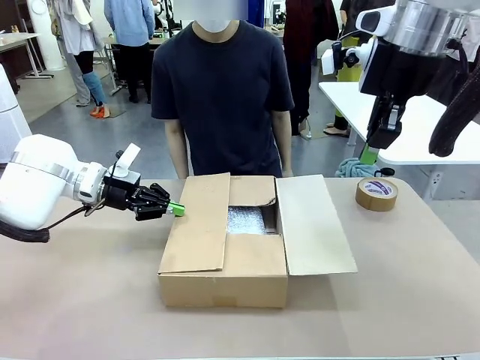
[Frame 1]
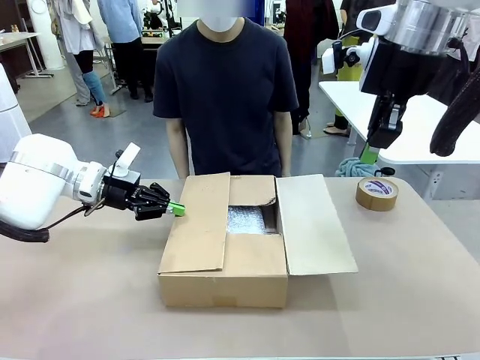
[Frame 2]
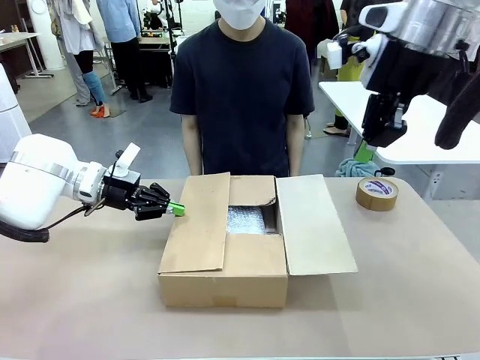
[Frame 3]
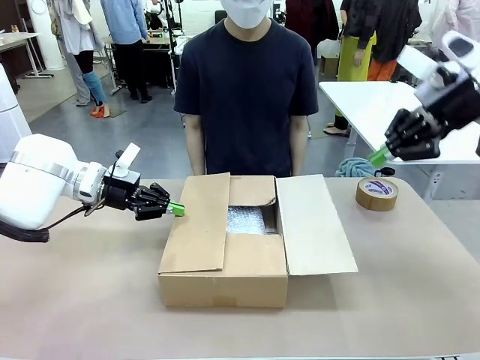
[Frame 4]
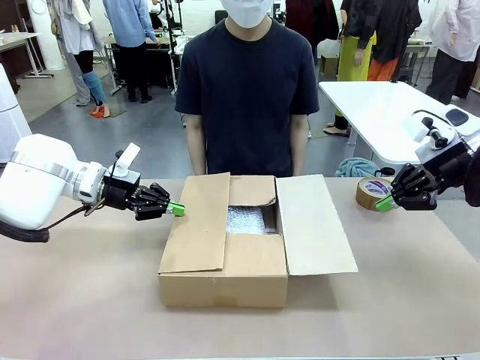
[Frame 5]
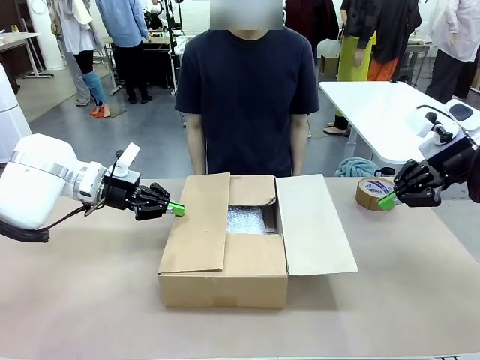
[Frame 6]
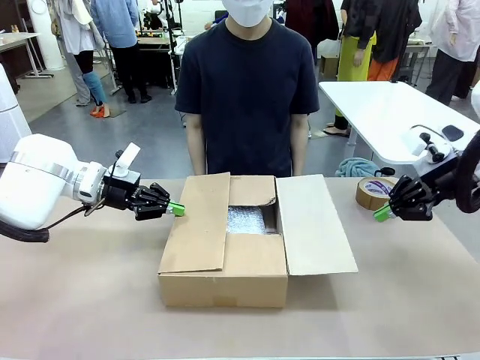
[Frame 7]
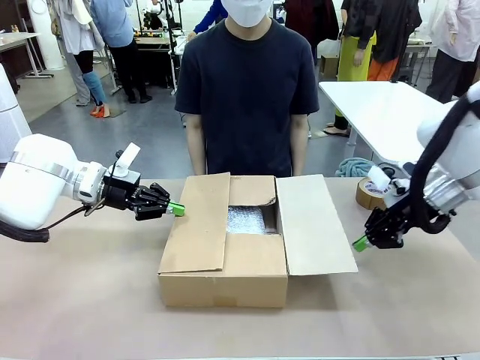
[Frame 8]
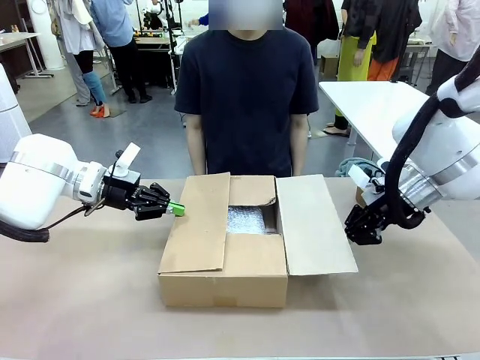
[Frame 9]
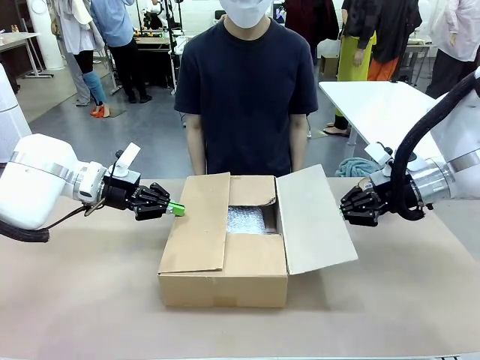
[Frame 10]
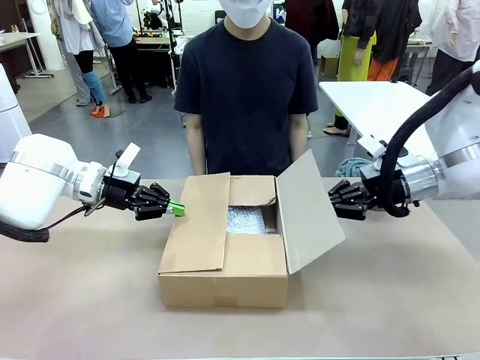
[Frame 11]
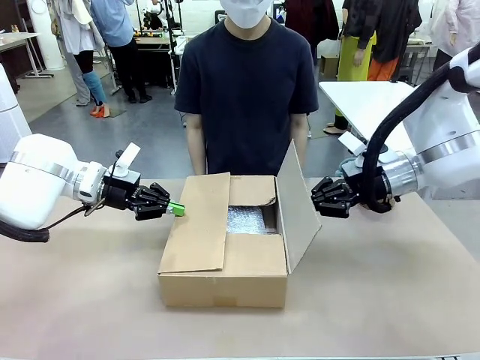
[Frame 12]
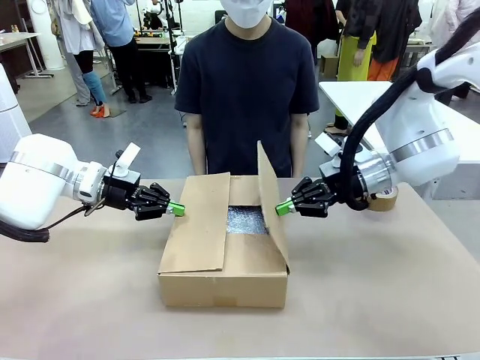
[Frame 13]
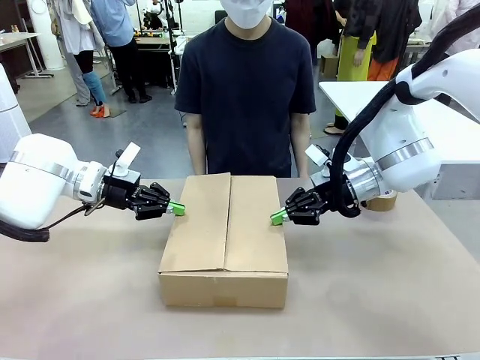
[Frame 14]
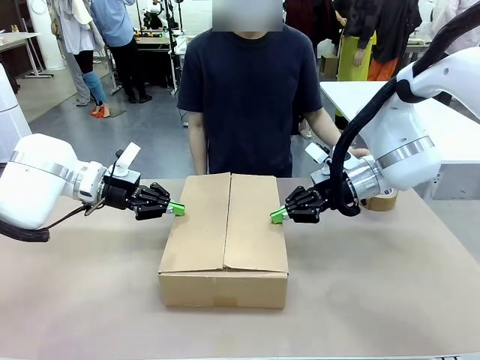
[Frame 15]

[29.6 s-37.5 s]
Task: Wrap the clocks to prevent damage.
Robot: Push the left (or right) flap of the Package Box to close it.

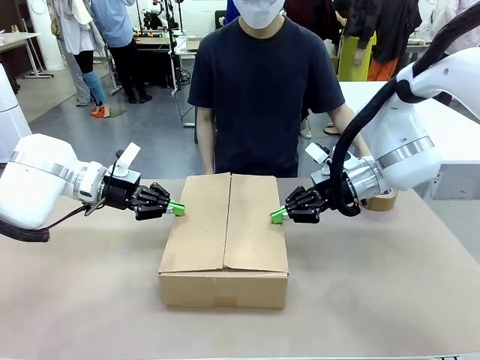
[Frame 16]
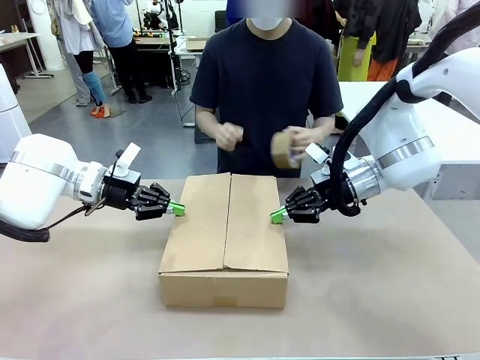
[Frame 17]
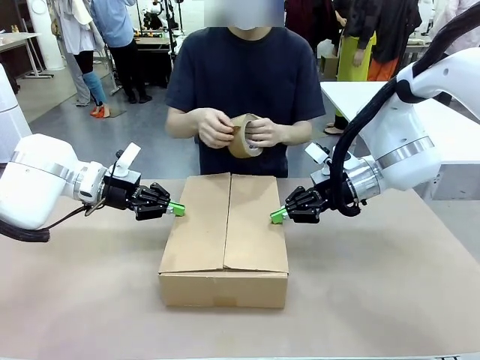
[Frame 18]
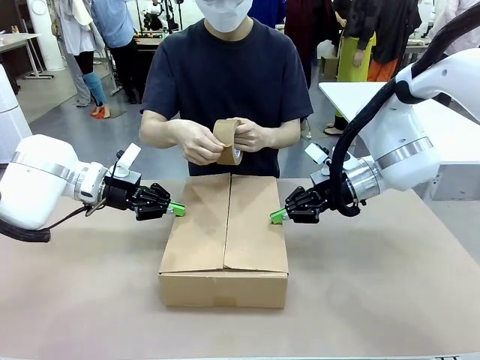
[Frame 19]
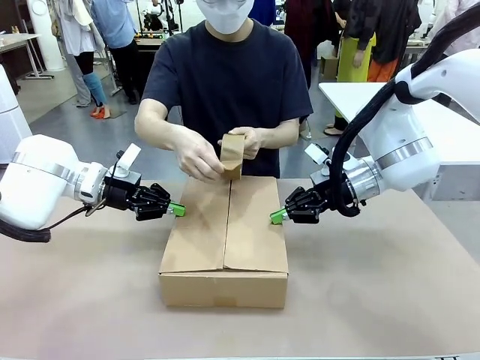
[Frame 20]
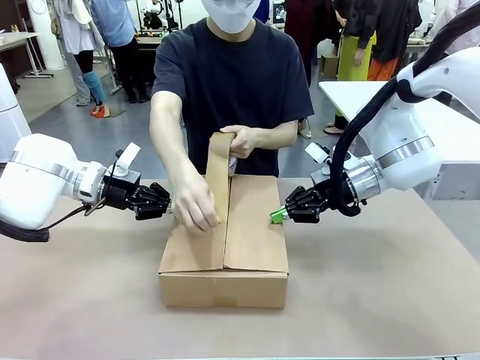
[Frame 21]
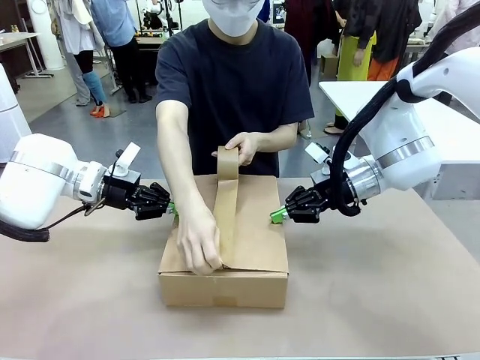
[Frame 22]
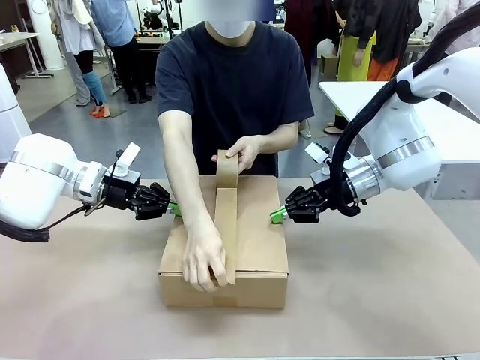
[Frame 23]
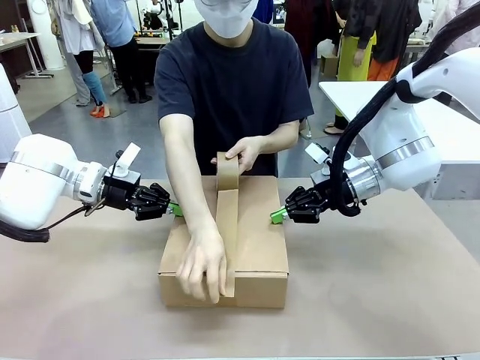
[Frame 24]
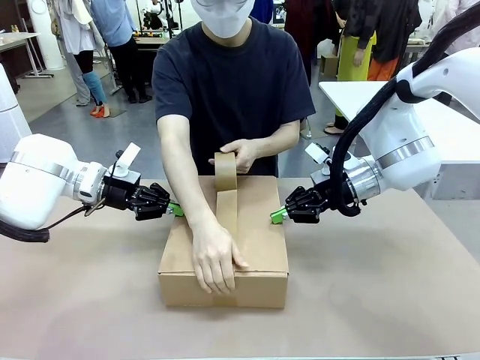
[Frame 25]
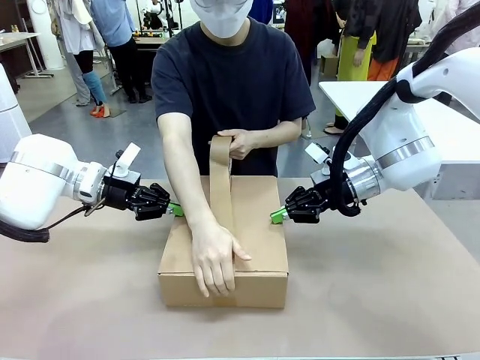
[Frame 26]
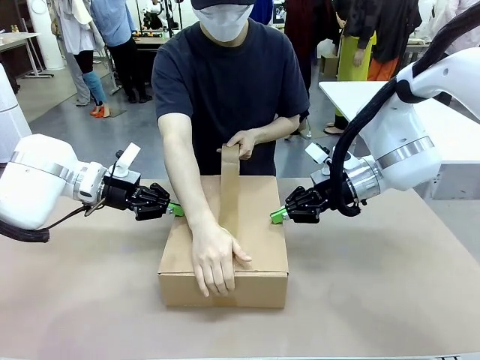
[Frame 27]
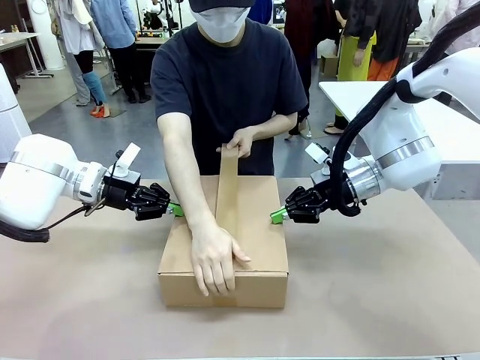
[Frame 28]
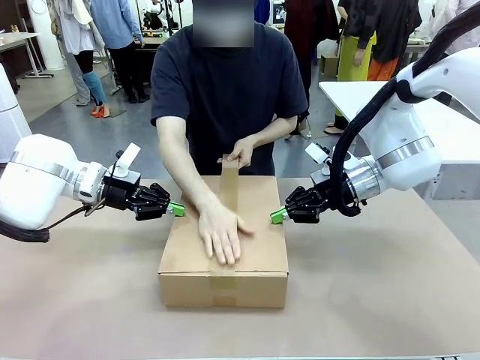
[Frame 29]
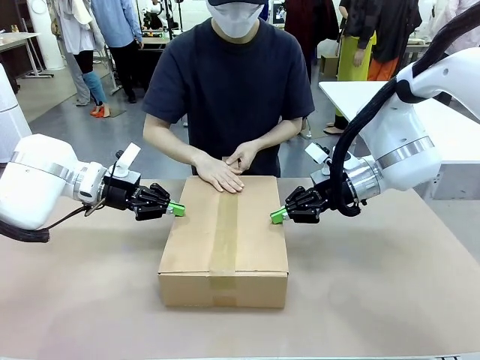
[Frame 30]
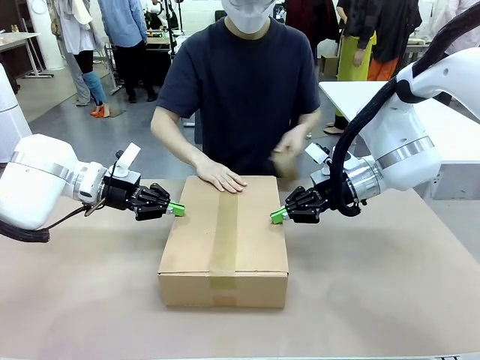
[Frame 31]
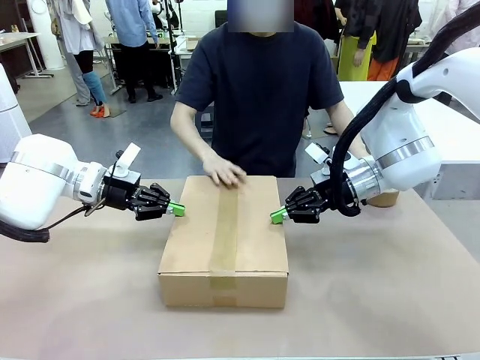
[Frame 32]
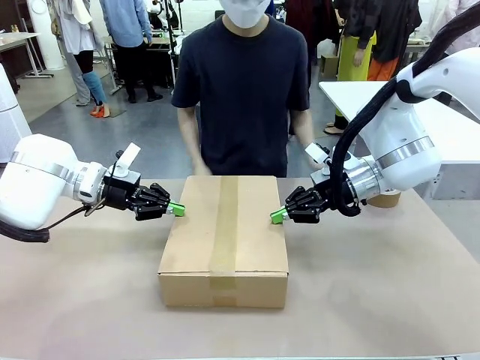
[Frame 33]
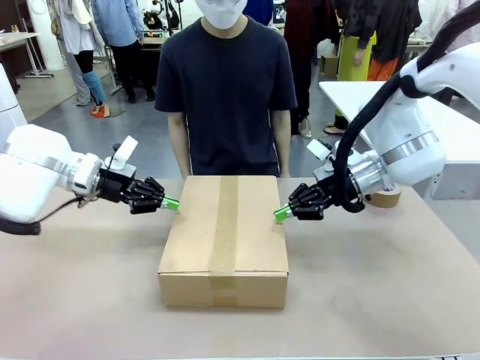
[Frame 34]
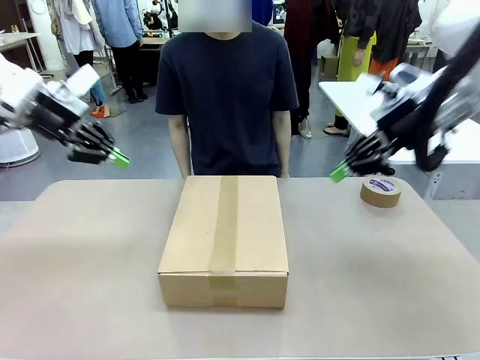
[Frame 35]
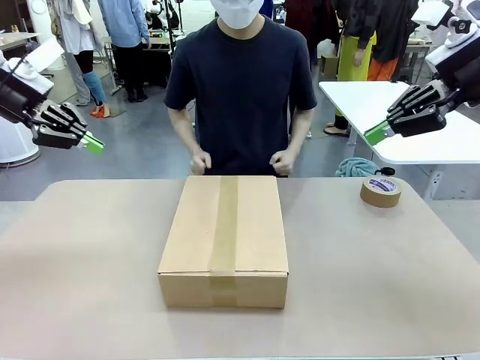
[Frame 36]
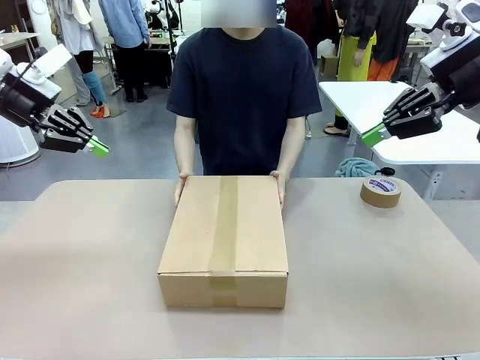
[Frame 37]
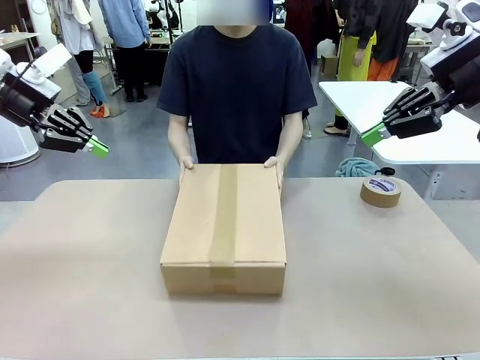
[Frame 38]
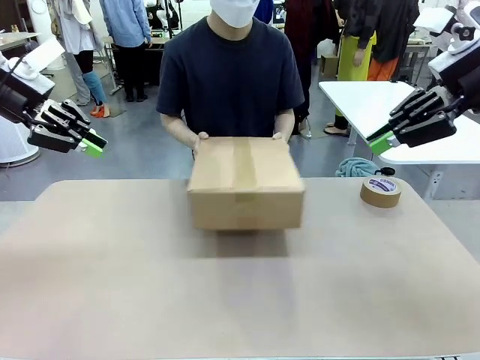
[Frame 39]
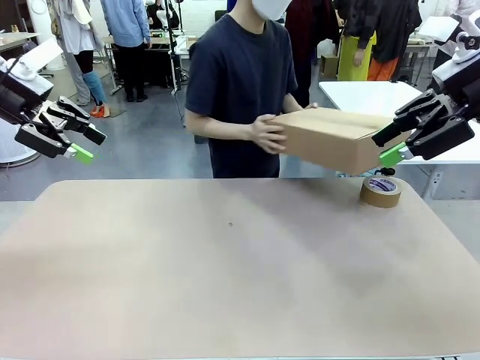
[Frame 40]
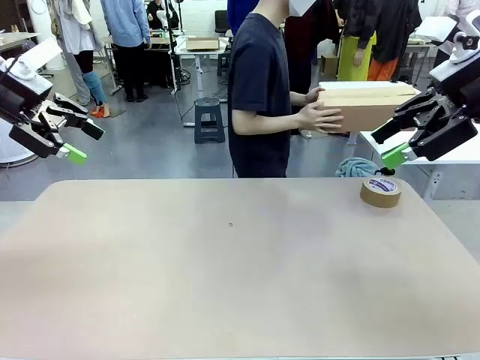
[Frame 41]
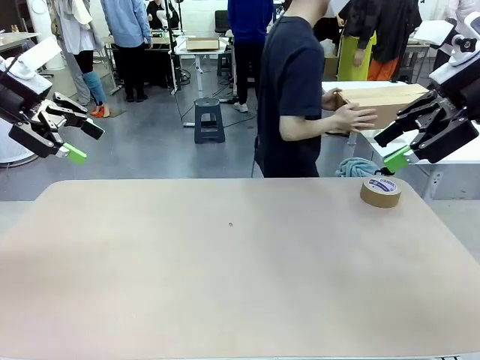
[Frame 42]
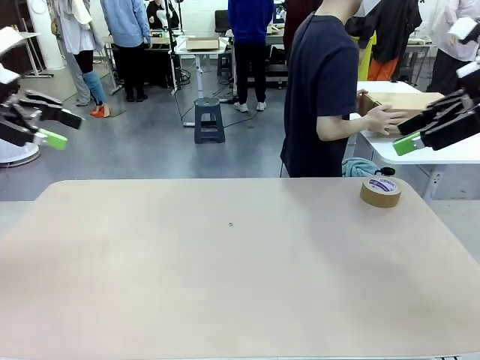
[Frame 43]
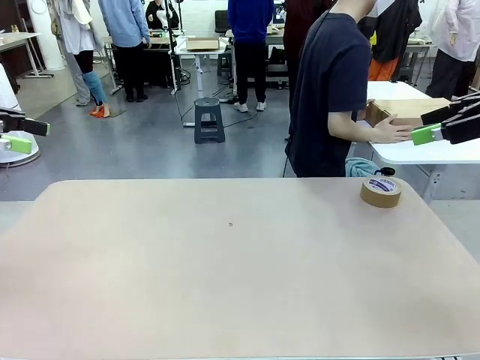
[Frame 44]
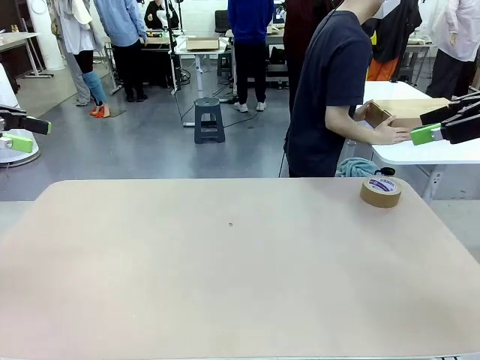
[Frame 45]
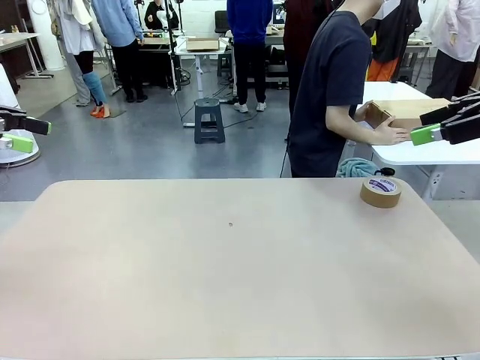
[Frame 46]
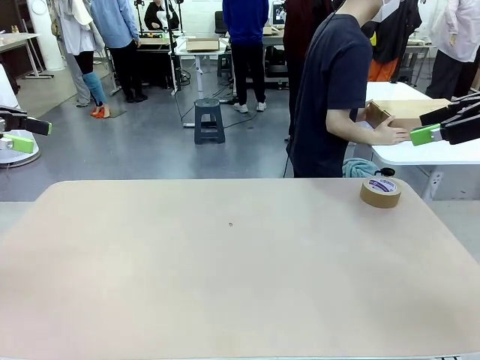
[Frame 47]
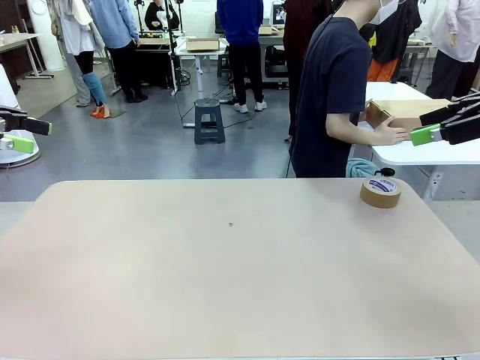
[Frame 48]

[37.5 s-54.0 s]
Robot: After the human seals the box with tape, release both hands from the side flaps of the Package Box.
Person: Once the robot closes the left flap of the Package Box , seal the box with Paper Tape. Place sealed Package Box in the middle of the human's table.

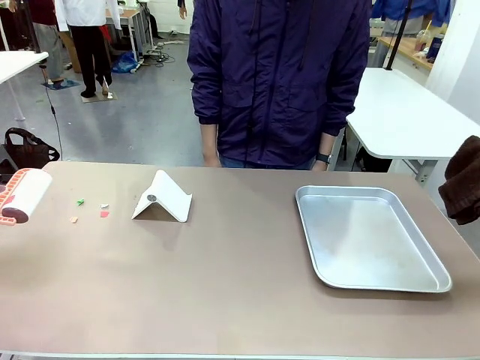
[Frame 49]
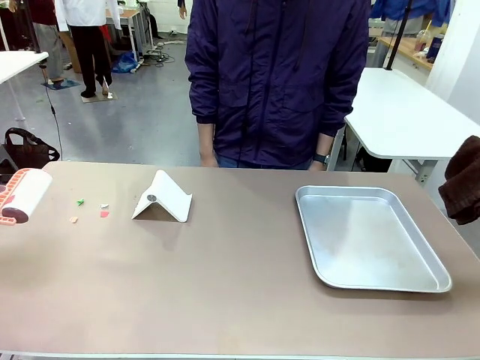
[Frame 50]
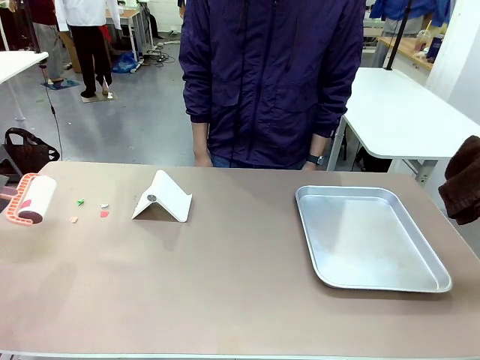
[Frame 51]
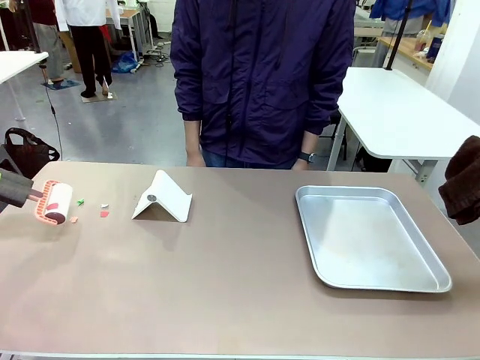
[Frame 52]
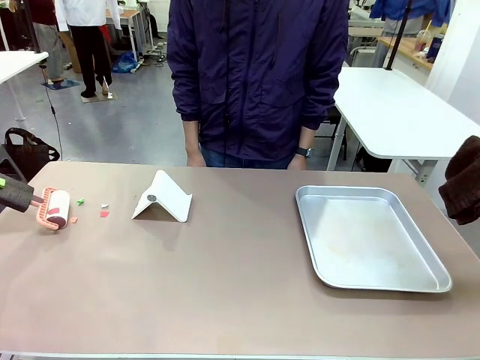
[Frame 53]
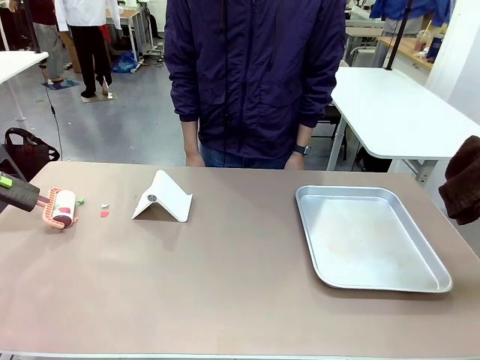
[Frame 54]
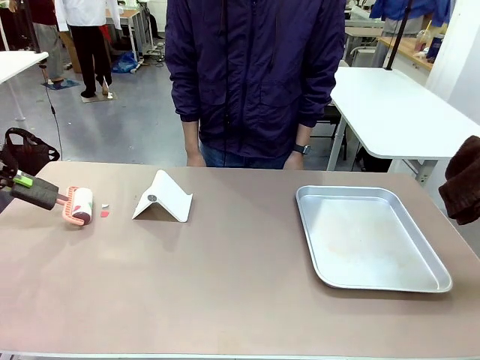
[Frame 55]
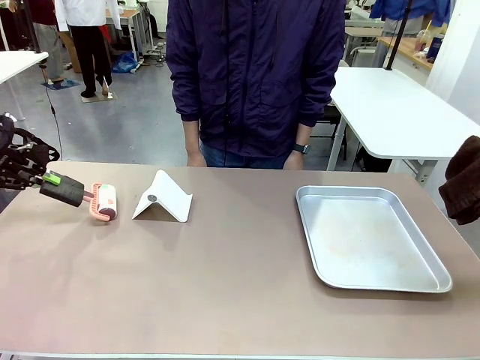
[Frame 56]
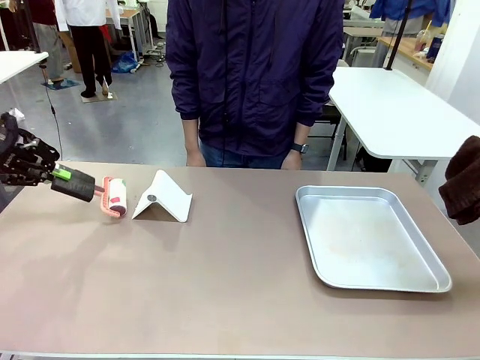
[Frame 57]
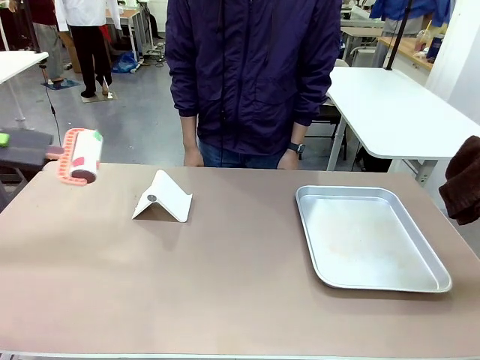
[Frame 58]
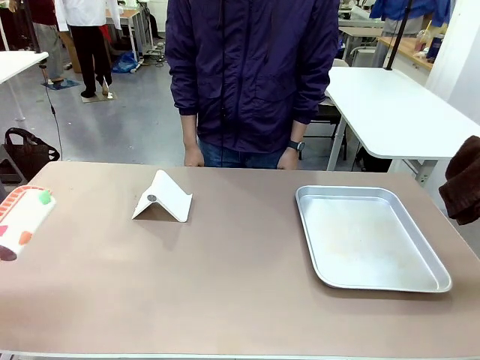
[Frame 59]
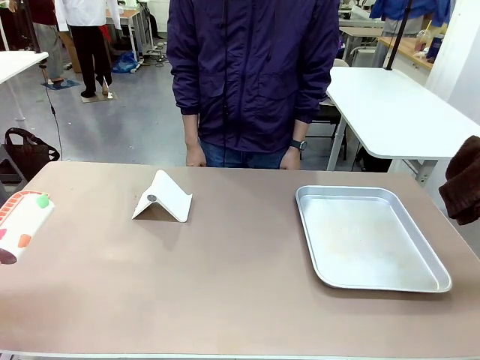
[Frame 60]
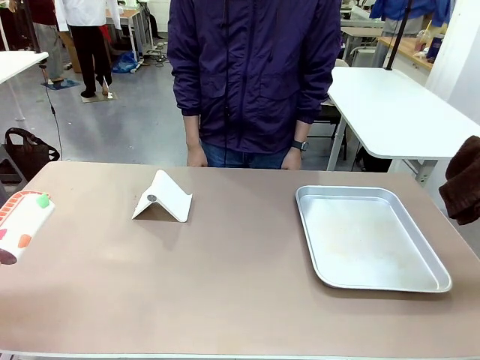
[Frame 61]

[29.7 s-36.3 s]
Task: Clean the surface of the table.
Robot: Clean the area not pointed to by the person.
